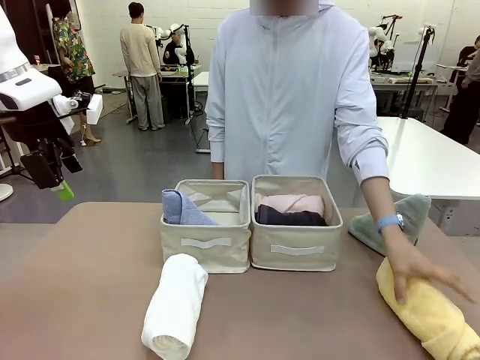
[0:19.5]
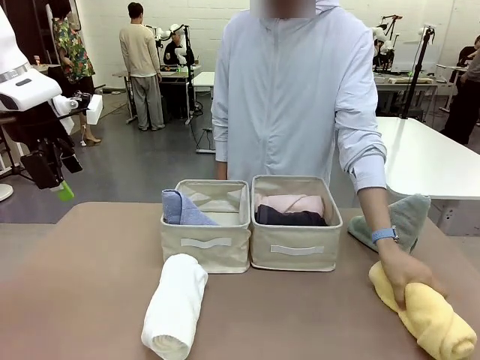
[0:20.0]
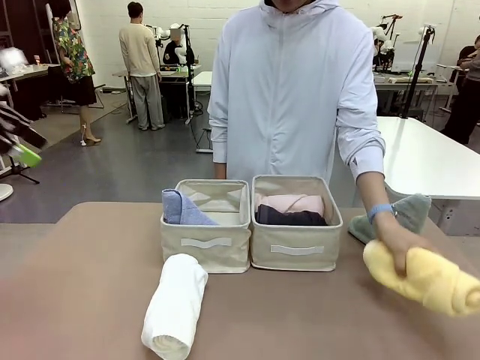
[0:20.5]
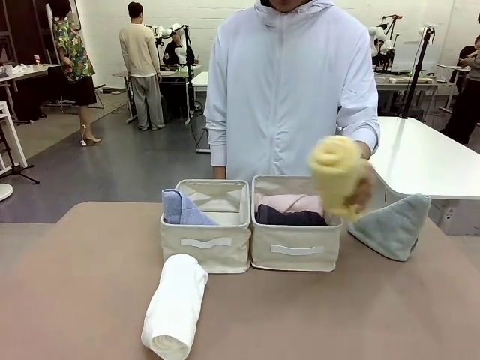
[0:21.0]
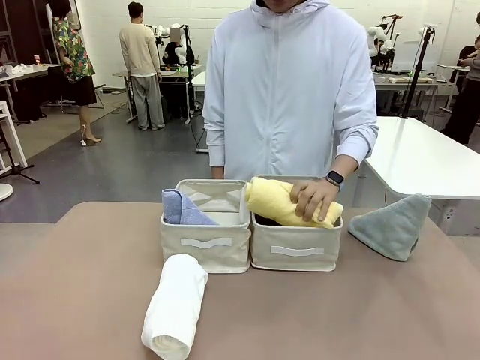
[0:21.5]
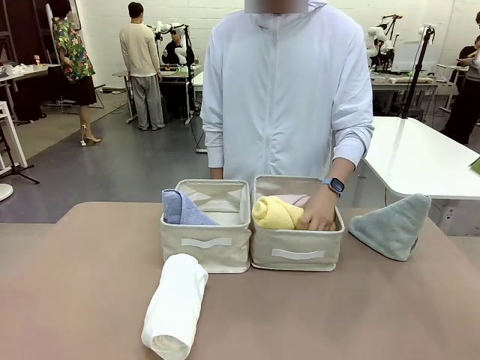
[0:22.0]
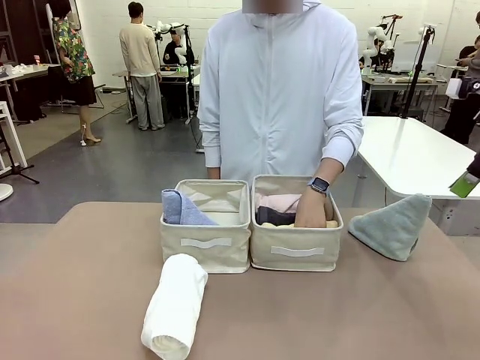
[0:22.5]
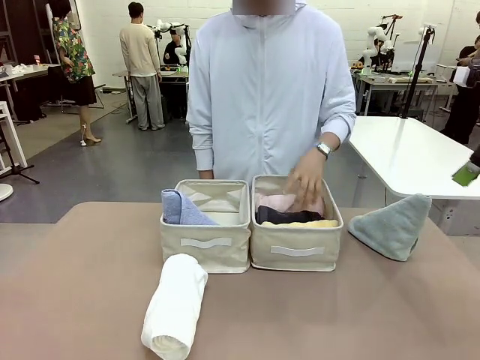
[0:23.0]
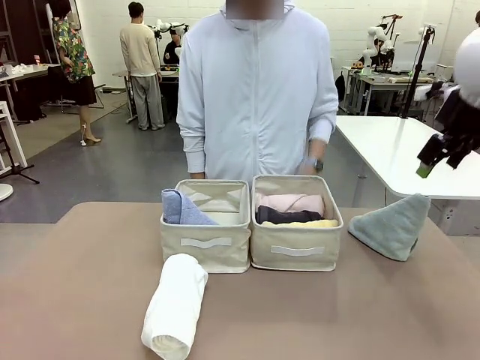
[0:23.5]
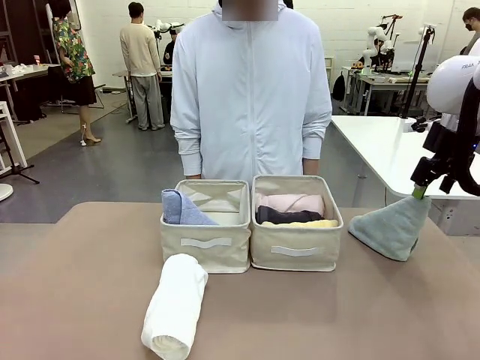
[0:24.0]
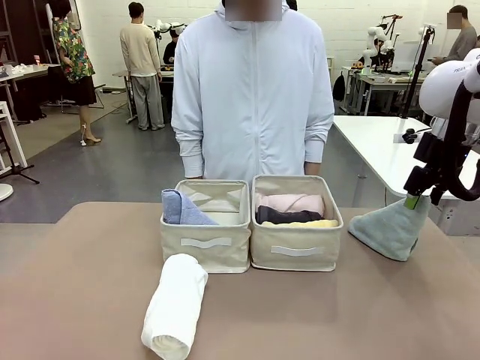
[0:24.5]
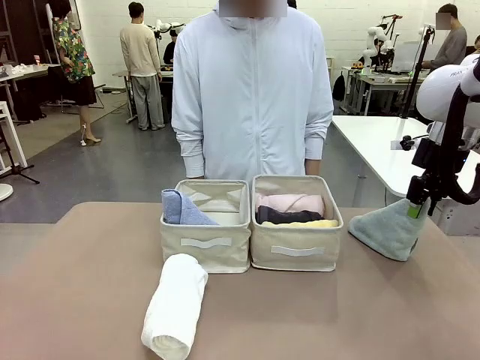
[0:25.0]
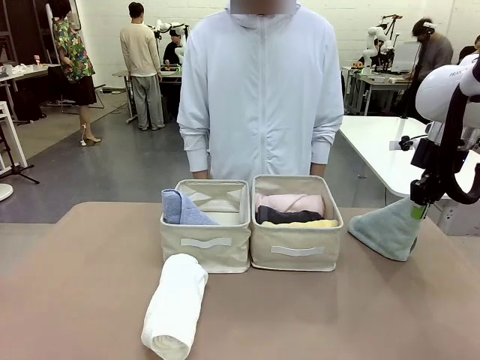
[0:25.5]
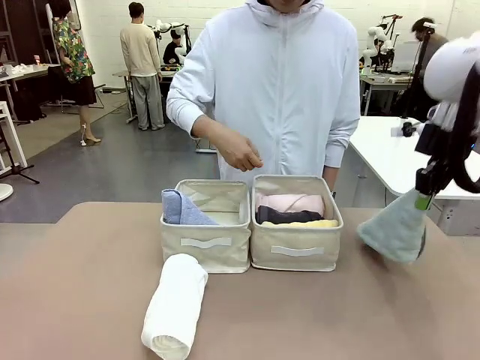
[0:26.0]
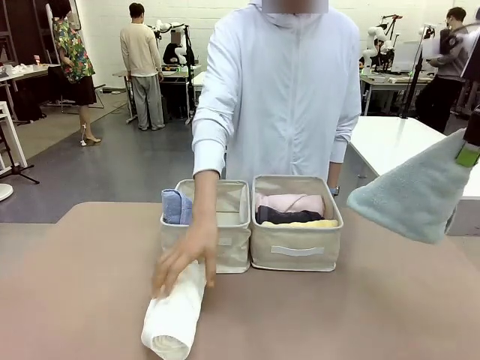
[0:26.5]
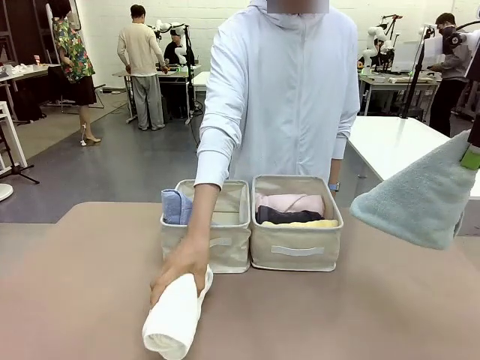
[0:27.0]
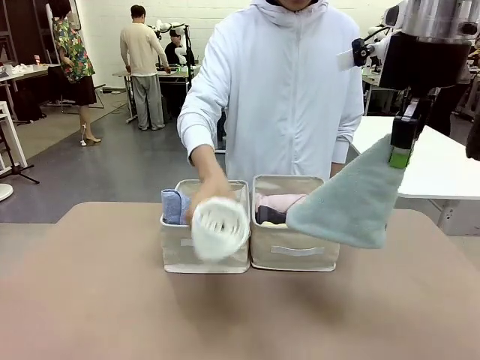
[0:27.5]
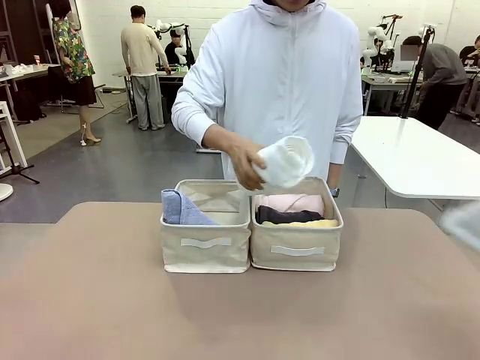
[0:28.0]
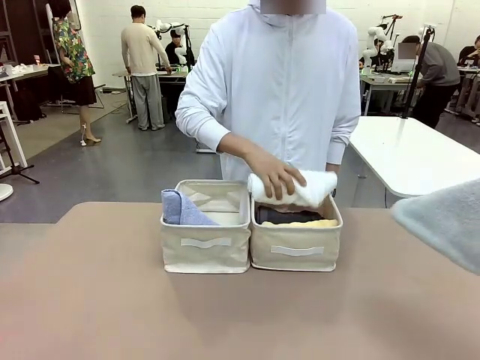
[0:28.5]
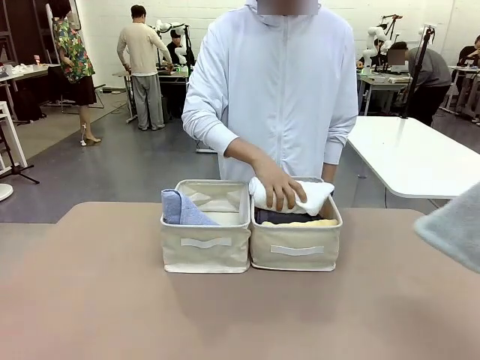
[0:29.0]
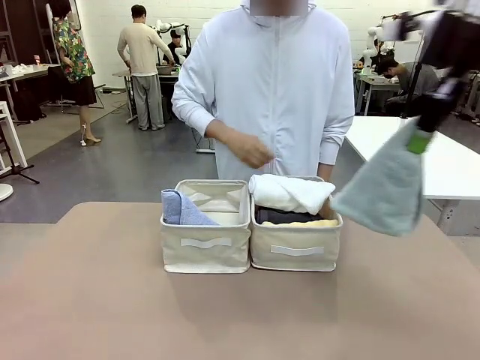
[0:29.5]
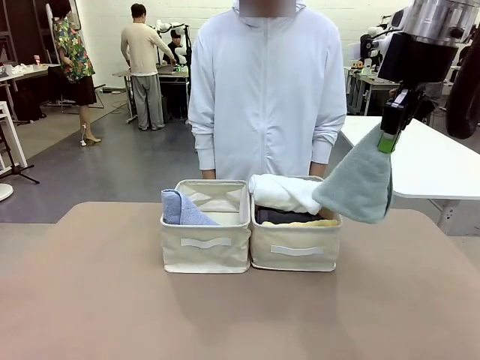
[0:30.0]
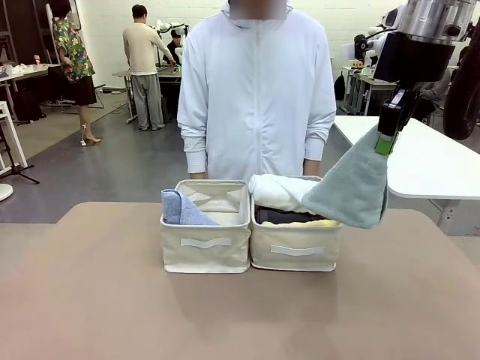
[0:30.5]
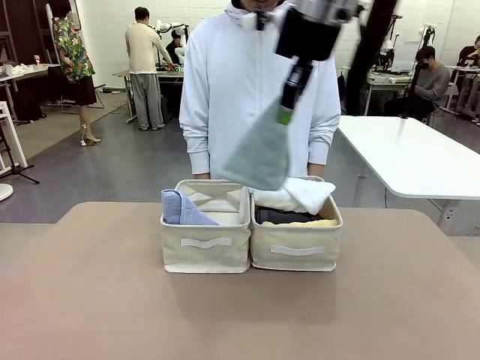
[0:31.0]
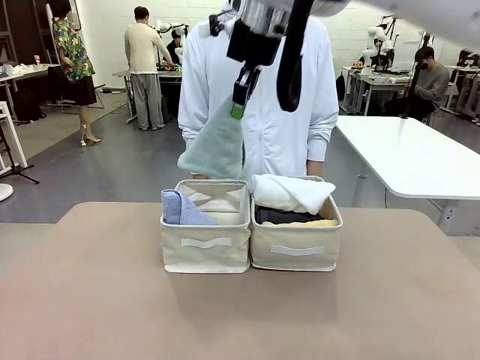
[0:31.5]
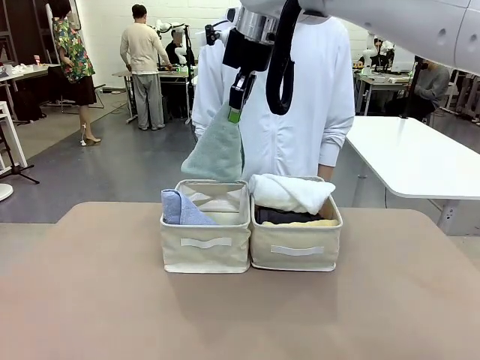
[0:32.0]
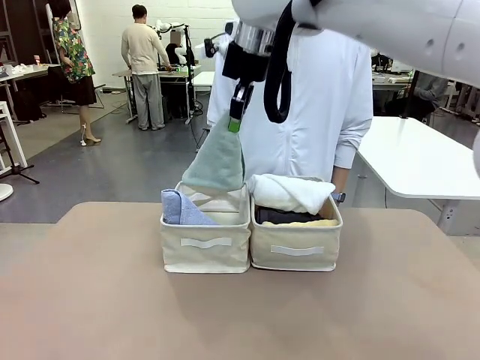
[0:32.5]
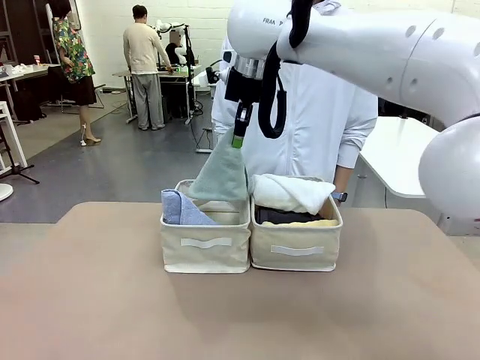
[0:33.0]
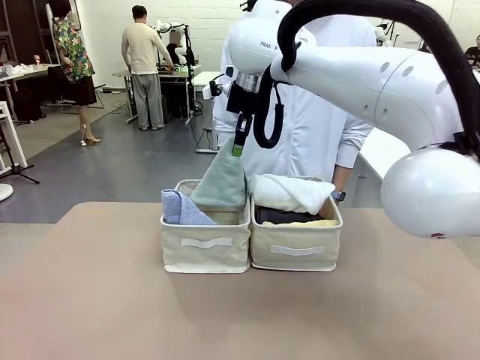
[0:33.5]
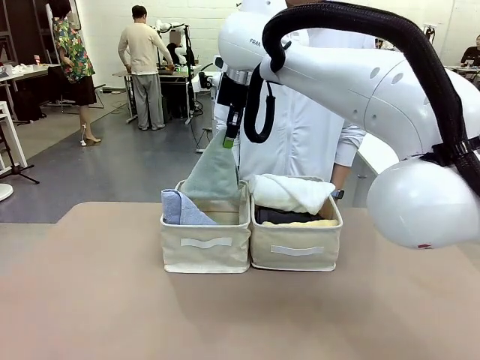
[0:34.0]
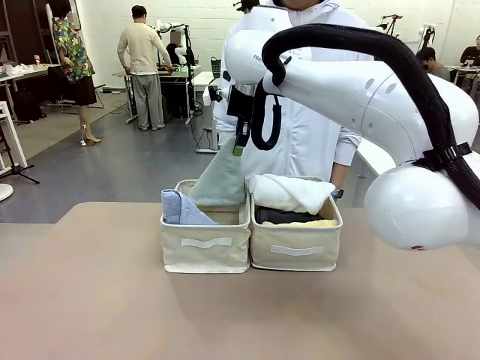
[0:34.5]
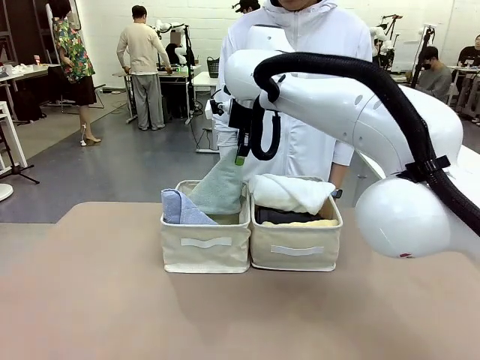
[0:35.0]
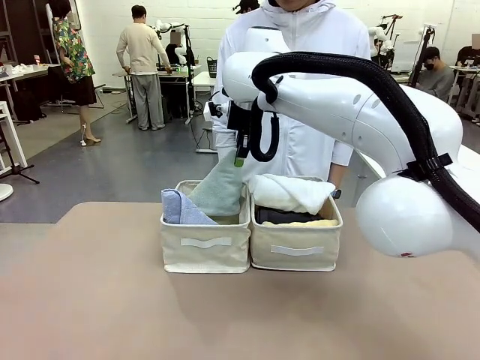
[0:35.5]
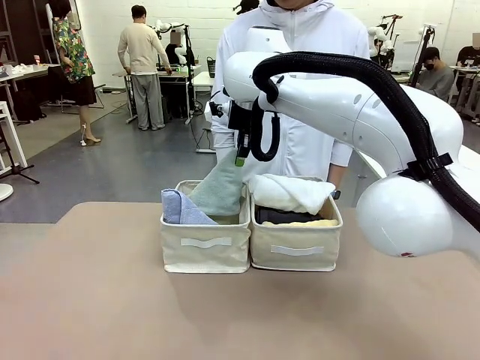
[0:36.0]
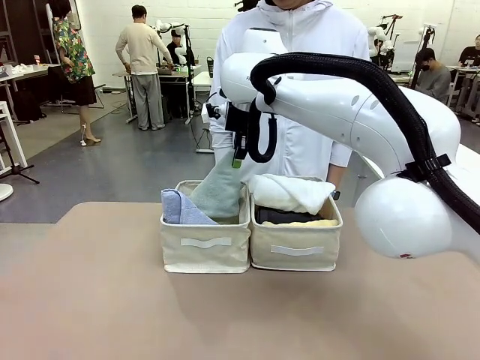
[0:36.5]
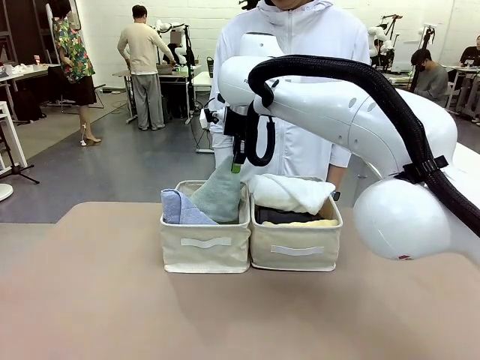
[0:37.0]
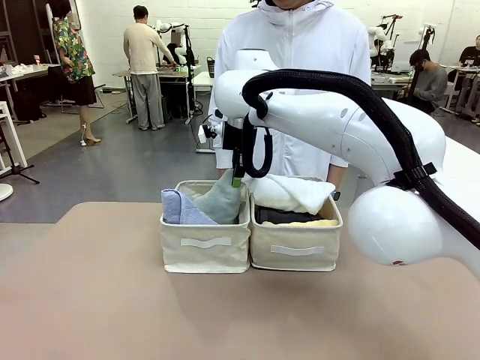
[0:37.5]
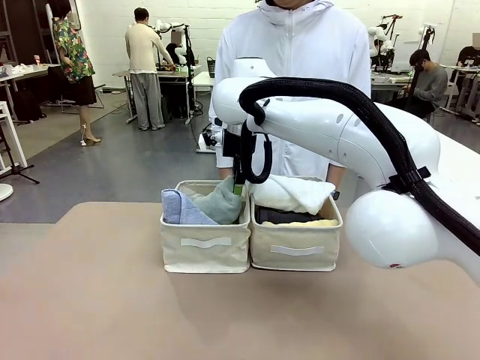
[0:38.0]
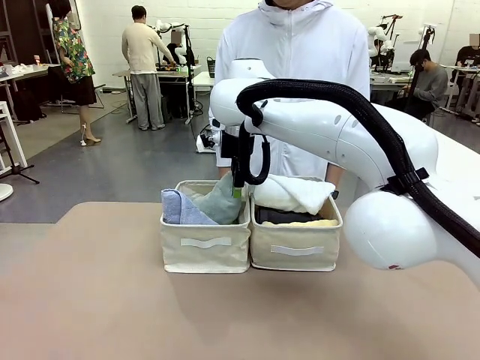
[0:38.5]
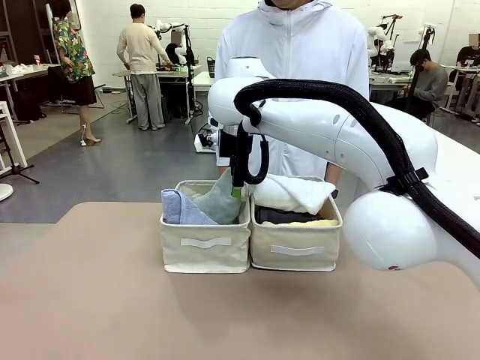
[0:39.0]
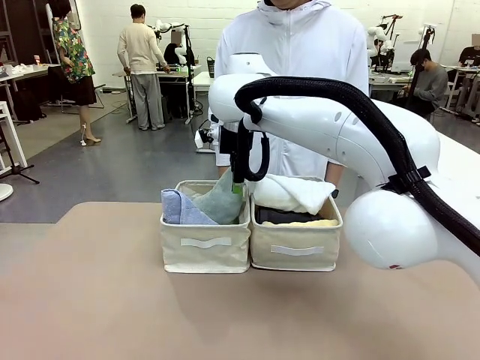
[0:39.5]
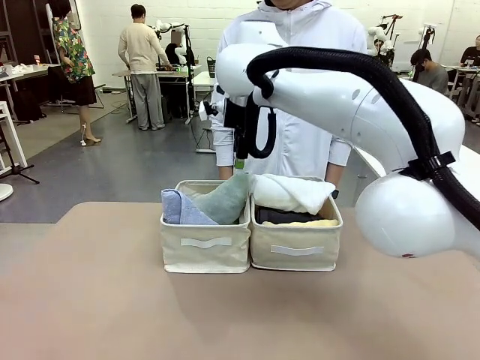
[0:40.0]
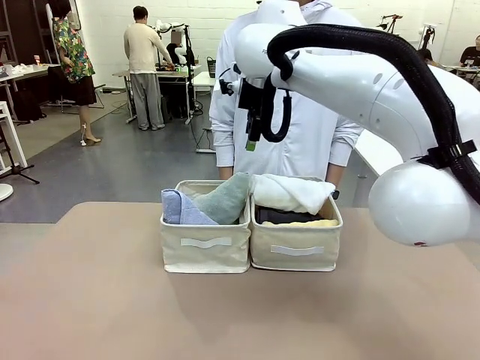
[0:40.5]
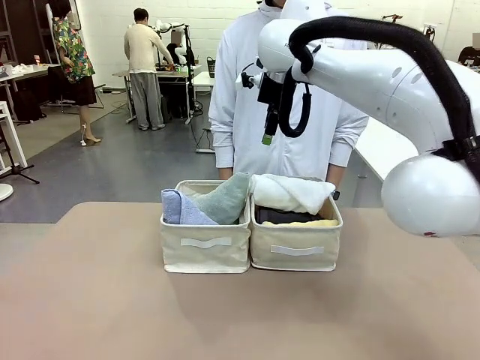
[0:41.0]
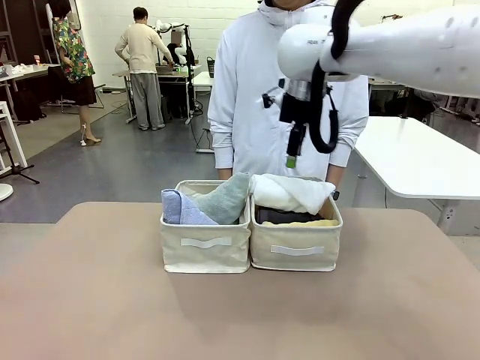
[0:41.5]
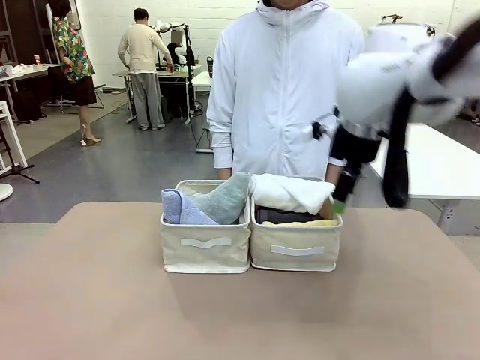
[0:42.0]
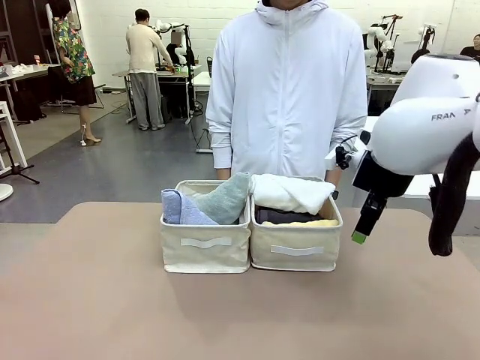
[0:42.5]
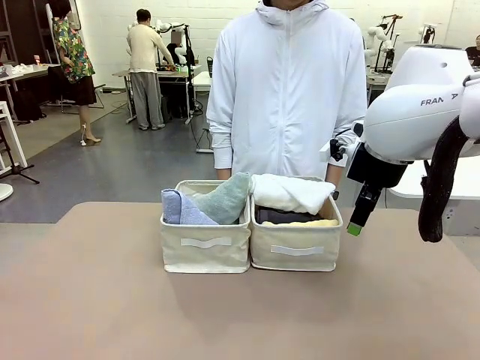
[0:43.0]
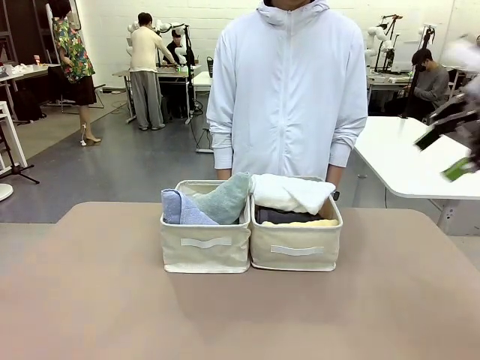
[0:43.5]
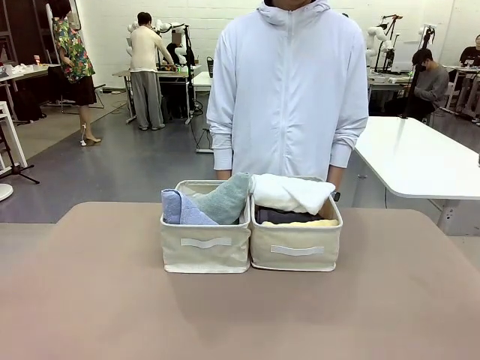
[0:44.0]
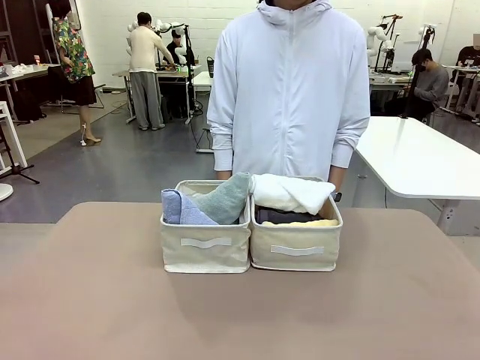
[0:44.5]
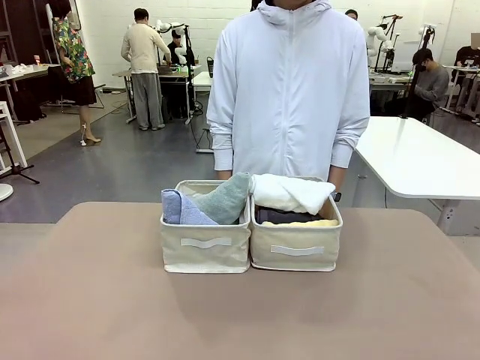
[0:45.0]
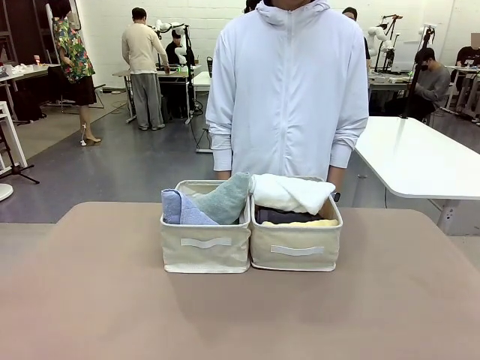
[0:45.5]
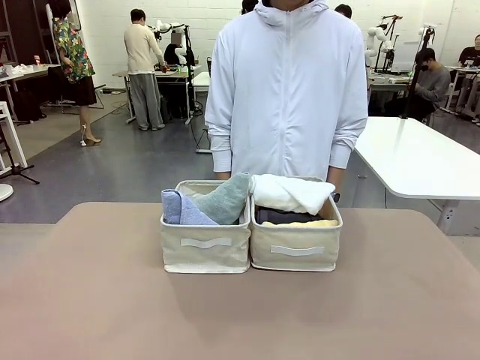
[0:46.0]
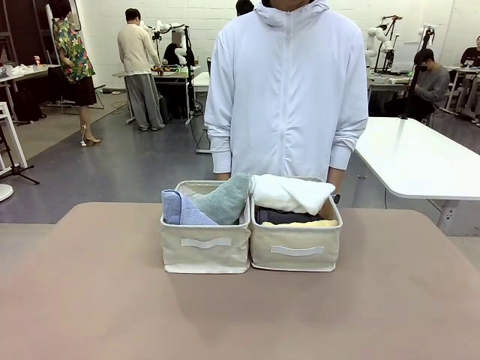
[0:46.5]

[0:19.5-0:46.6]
Task: Sort the towels based on their folding style.
Robot: Pick up another triangle-folded towel from the table and place it in the left Fabric basket.
Person: Pick up one hotel-style rolled towel from the table and place it in the left fabric basket.
